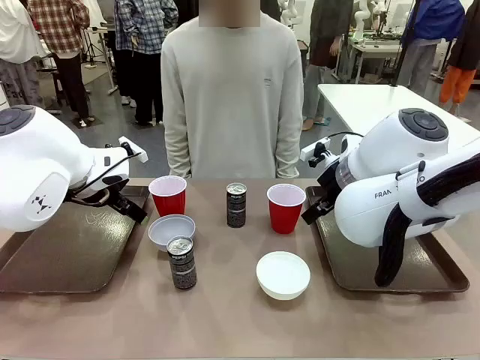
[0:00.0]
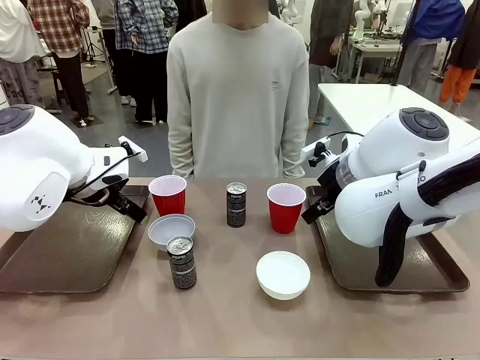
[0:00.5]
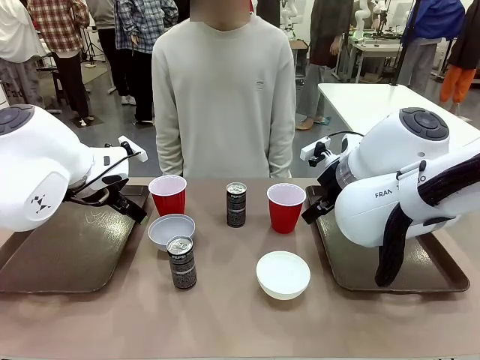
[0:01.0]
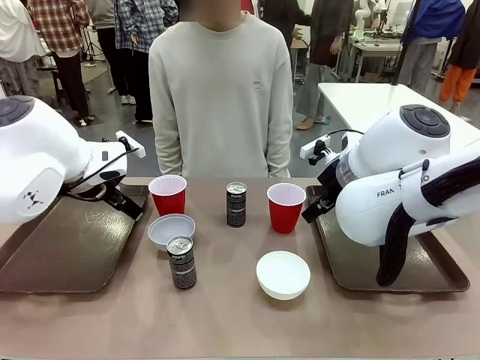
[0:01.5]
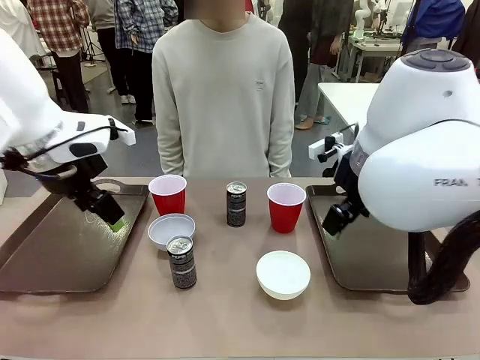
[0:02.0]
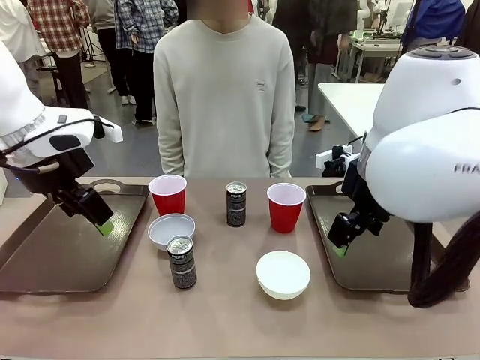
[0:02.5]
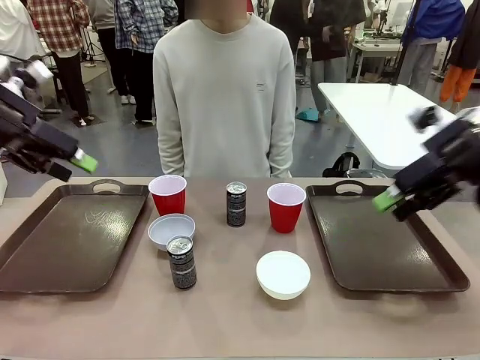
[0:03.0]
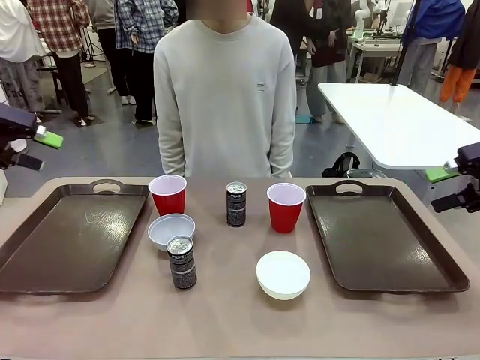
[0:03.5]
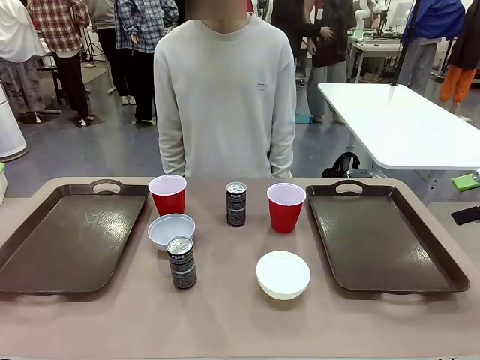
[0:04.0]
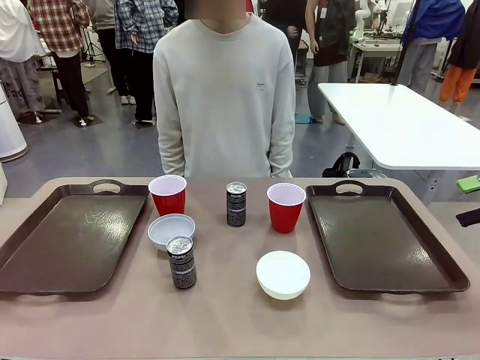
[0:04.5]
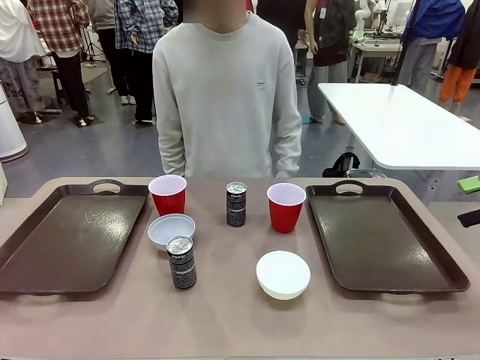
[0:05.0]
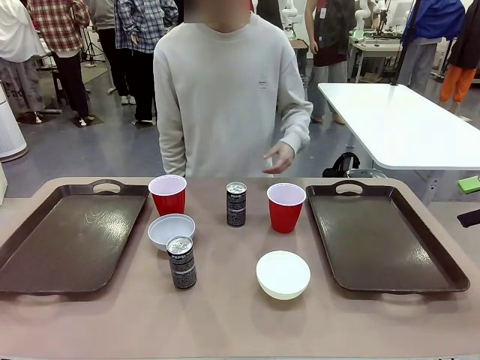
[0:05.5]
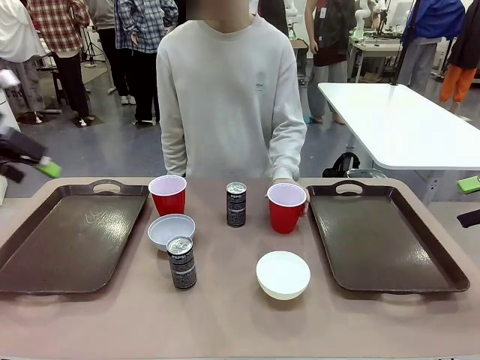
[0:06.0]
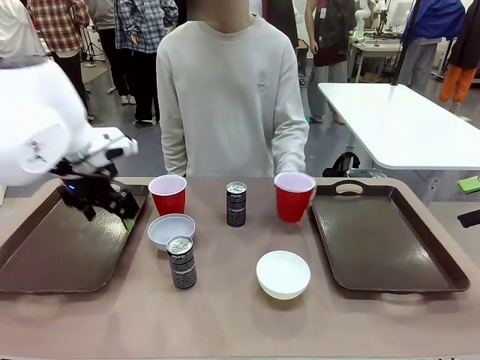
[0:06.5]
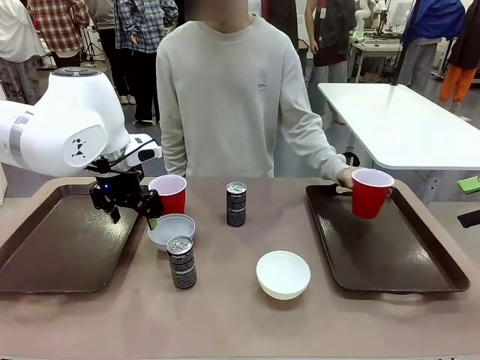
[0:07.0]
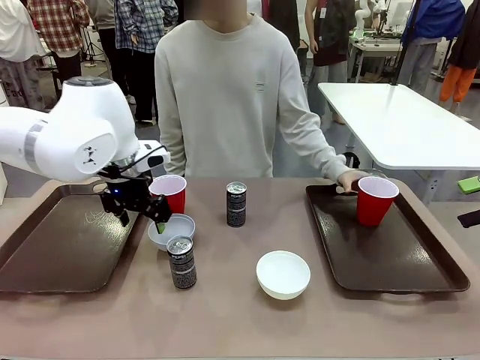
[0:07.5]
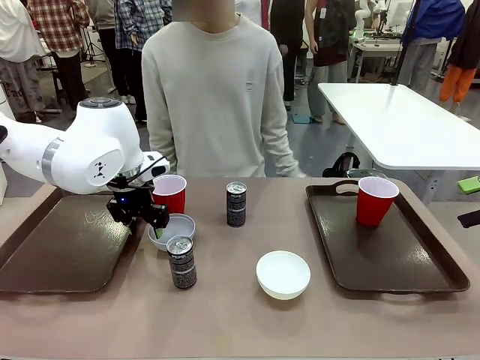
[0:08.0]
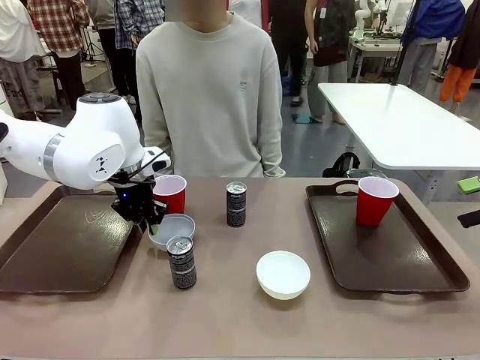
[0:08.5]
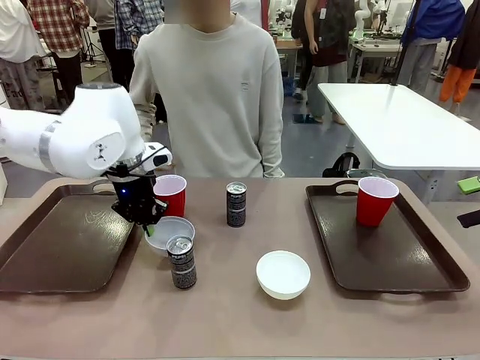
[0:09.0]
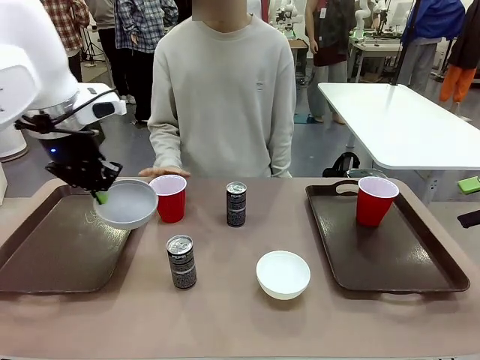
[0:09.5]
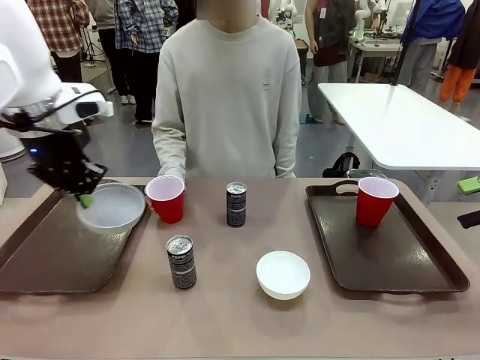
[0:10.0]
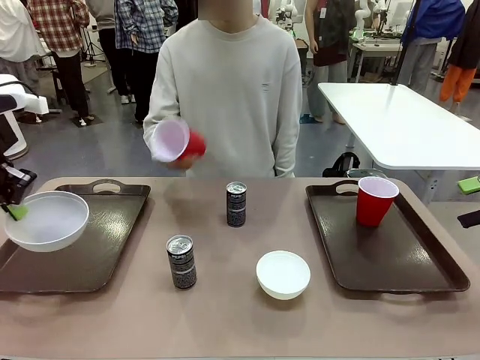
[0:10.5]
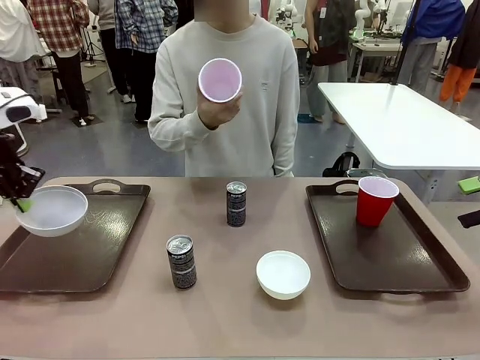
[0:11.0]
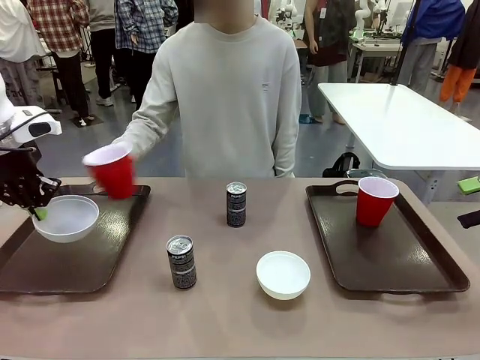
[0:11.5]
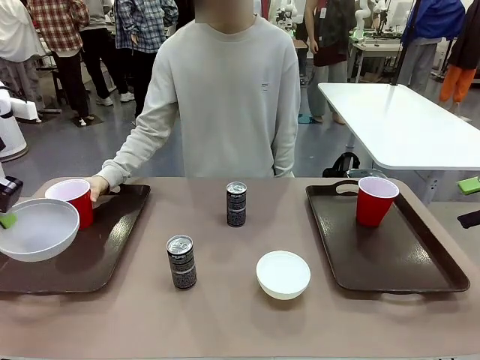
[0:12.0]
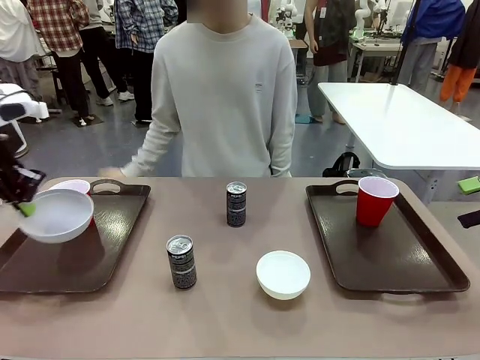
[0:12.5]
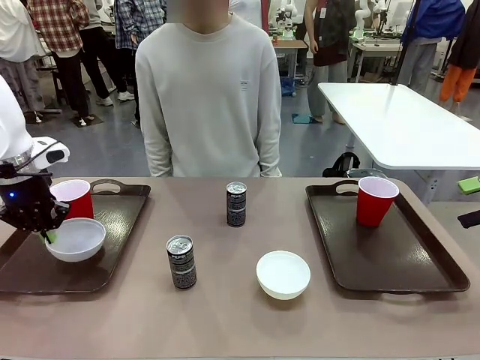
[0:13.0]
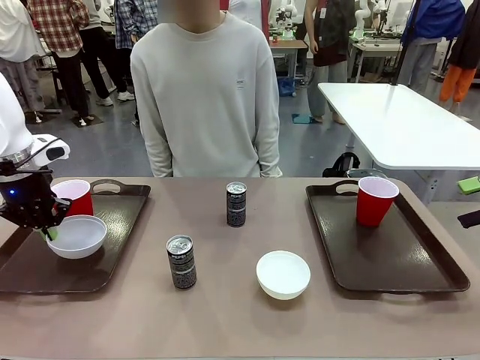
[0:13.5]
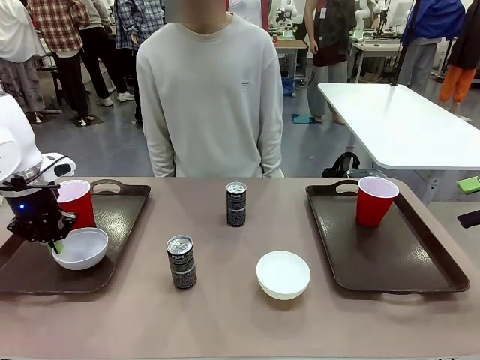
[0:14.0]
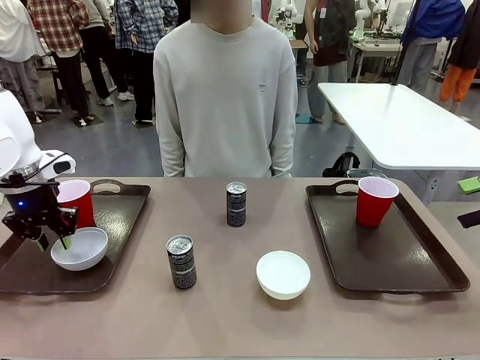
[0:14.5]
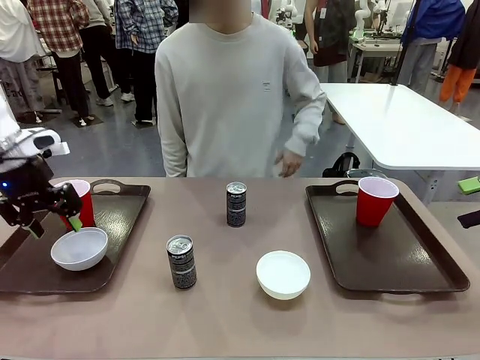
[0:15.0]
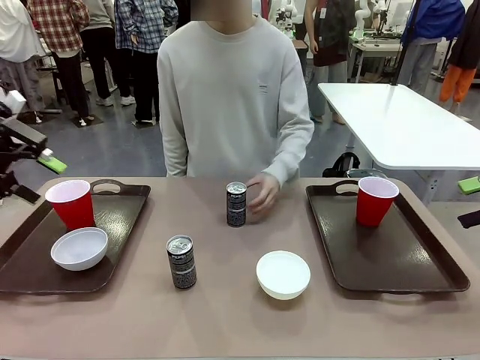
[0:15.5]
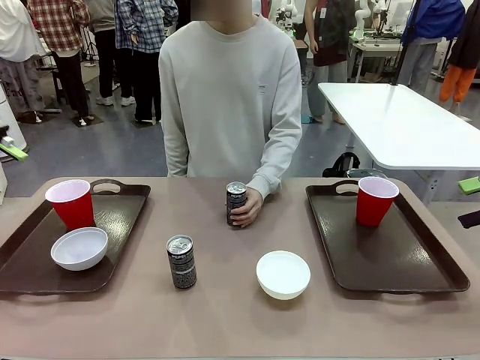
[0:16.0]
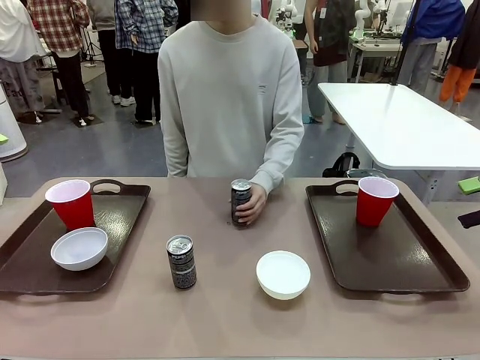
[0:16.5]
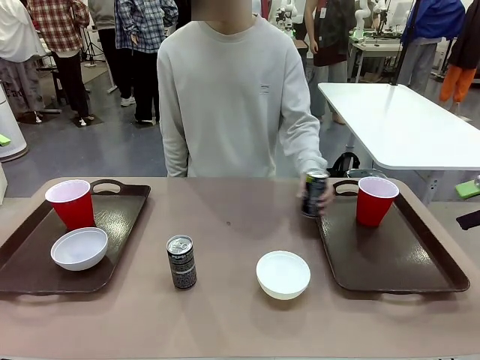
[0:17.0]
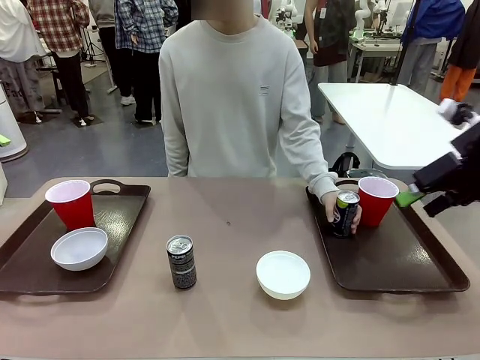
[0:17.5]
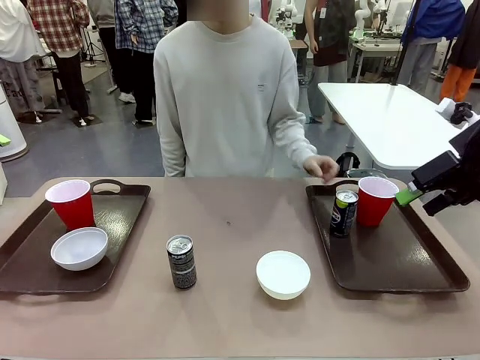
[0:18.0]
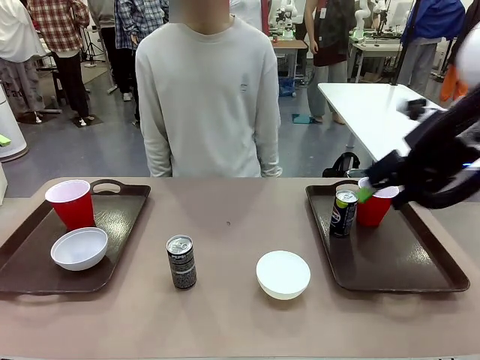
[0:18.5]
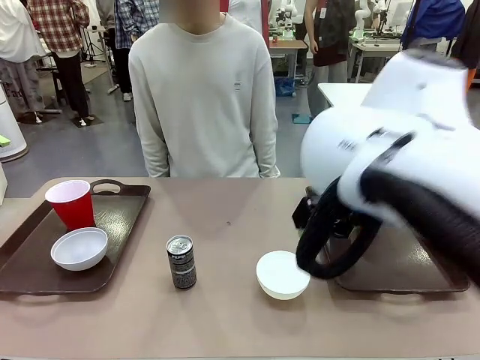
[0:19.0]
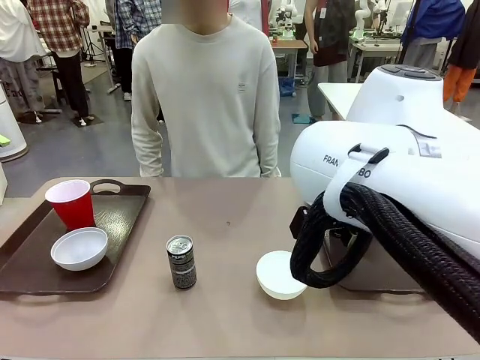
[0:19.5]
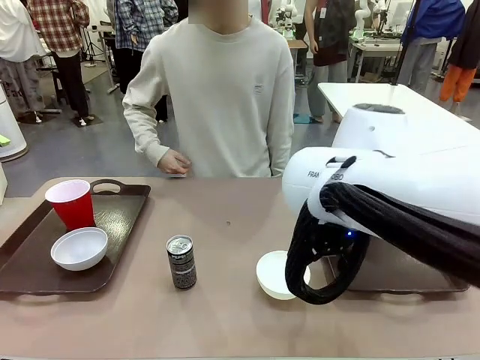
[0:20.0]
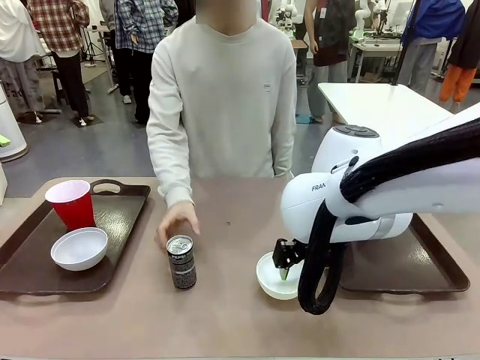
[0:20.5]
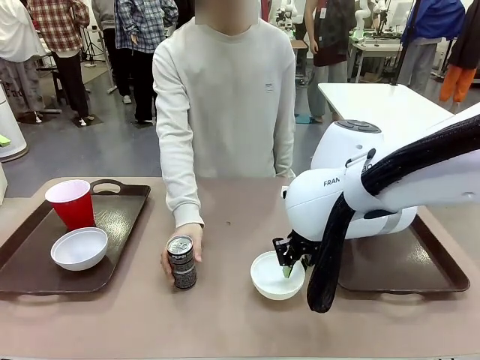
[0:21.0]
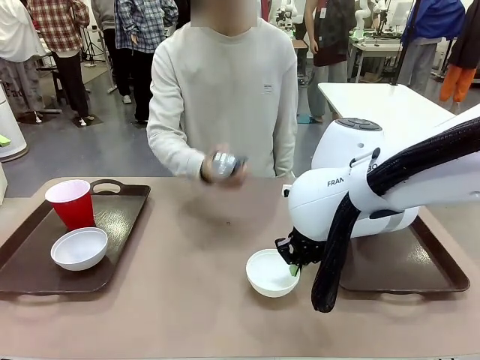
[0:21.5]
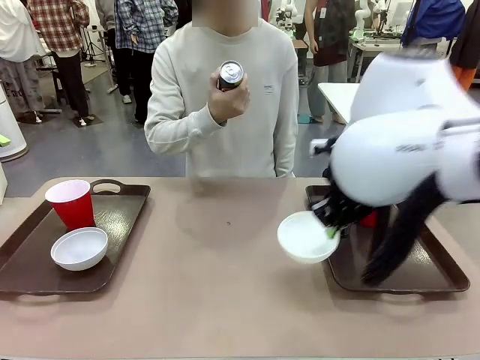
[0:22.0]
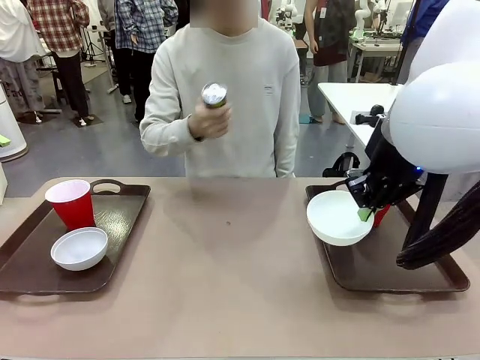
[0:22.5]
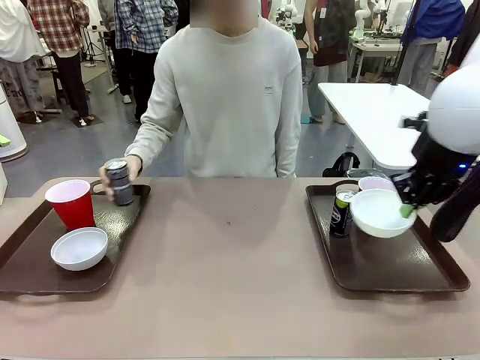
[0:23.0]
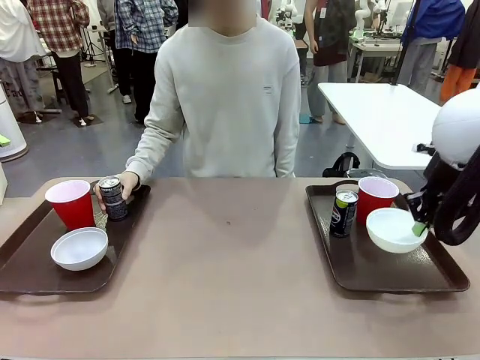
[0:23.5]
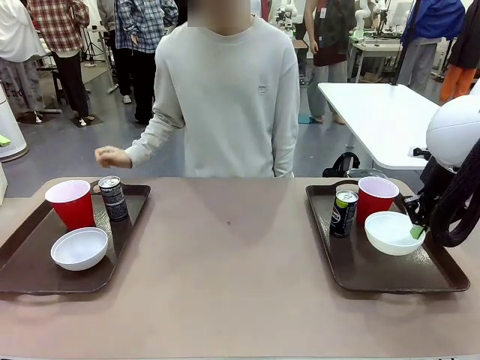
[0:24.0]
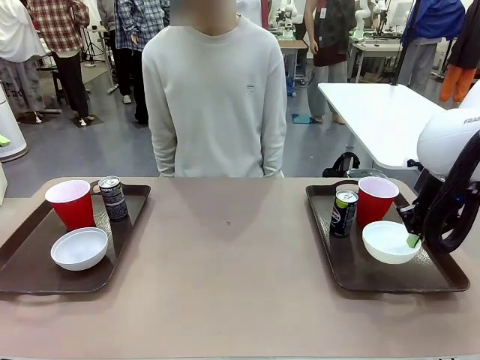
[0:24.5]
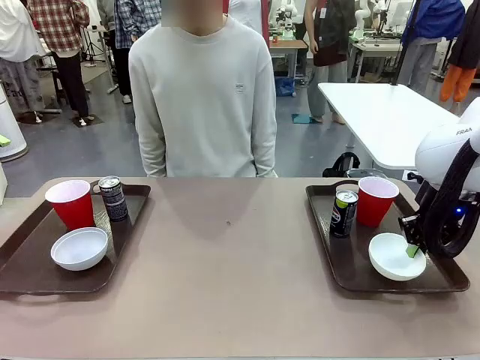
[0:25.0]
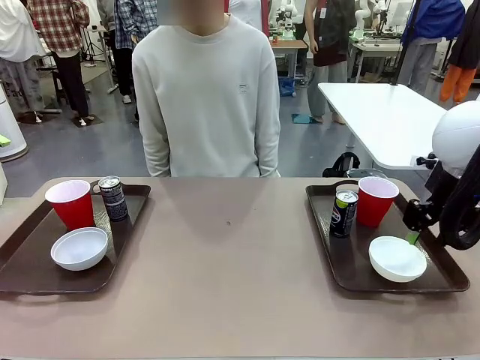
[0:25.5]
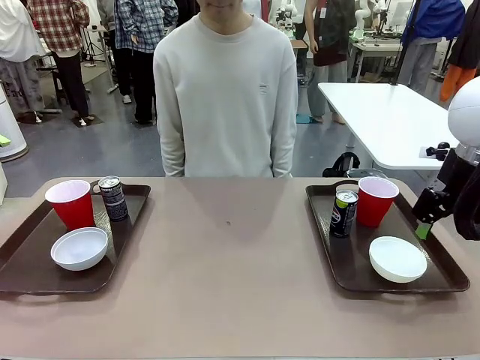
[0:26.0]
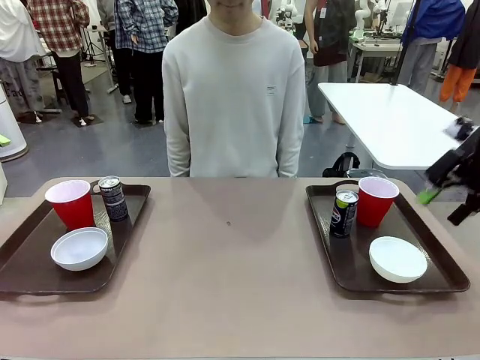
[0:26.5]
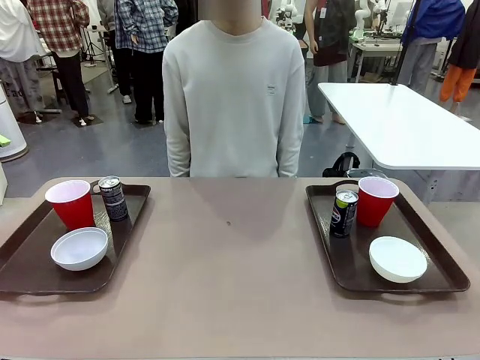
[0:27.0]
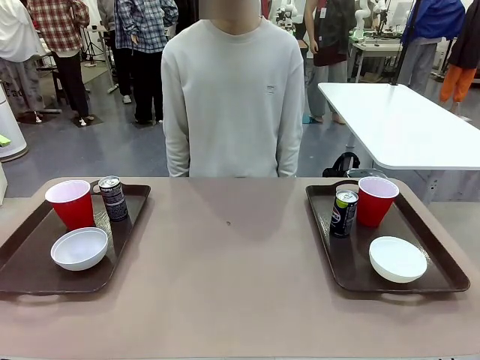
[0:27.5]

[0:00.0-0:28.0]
Task: Prepare tableware on both trays.
Robot: Pick up a Picnic Bowl from the table and place it on a Handle tray.
Person: Pick up a can or cup and place it on the tray. Pick up a can or cup and place it on the tray without a can or cup.
